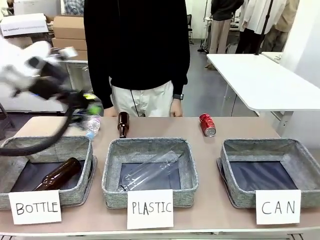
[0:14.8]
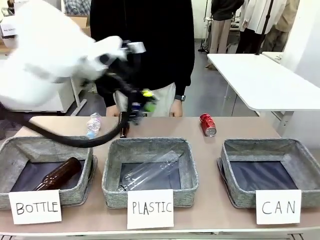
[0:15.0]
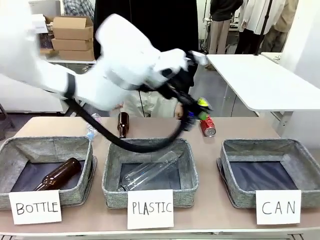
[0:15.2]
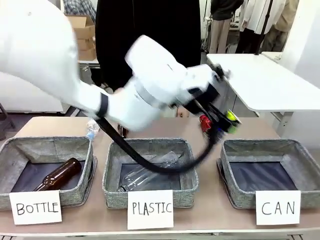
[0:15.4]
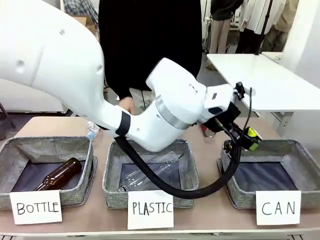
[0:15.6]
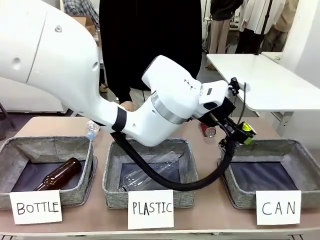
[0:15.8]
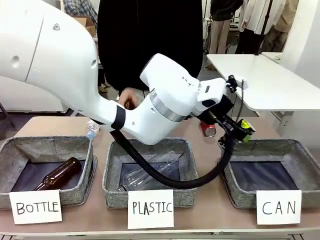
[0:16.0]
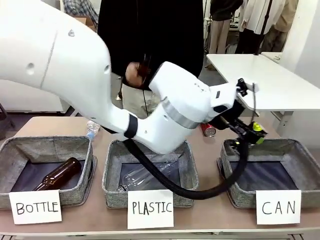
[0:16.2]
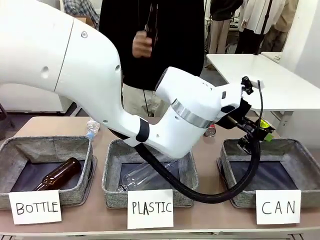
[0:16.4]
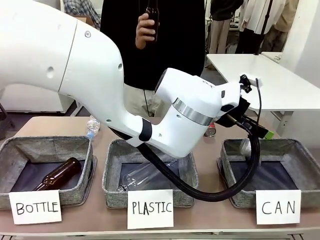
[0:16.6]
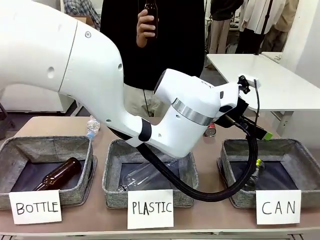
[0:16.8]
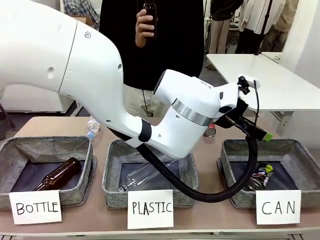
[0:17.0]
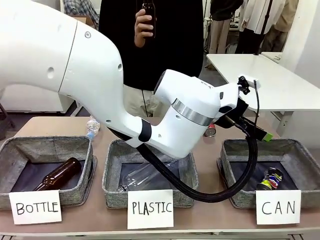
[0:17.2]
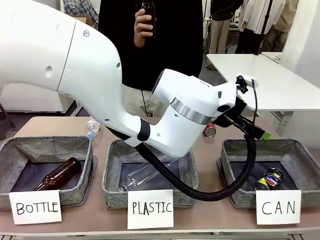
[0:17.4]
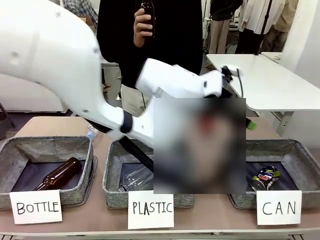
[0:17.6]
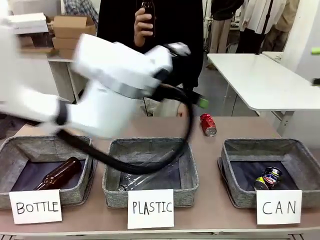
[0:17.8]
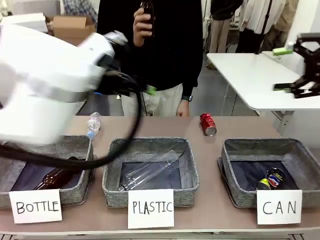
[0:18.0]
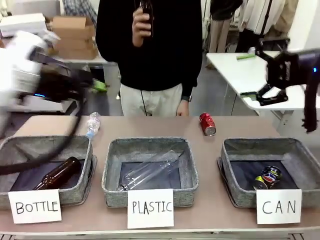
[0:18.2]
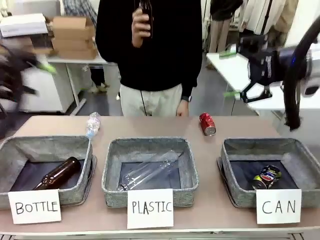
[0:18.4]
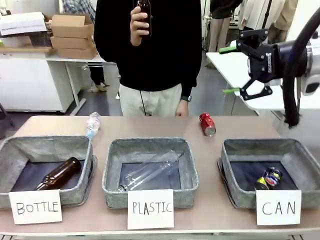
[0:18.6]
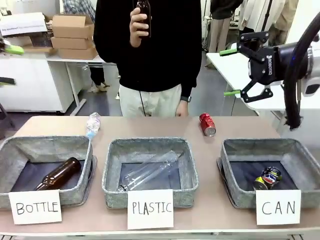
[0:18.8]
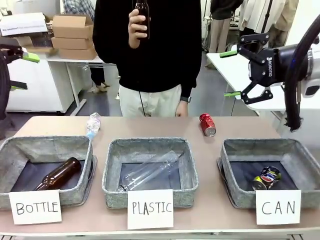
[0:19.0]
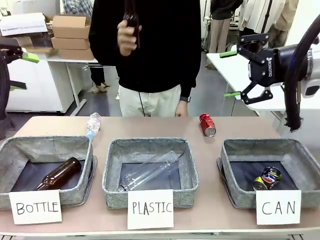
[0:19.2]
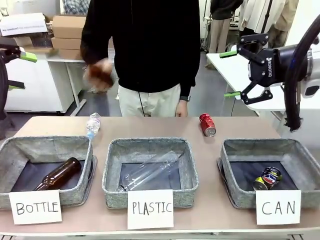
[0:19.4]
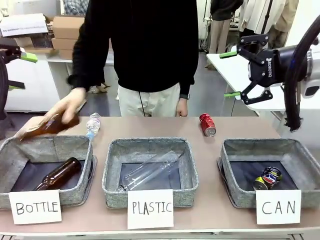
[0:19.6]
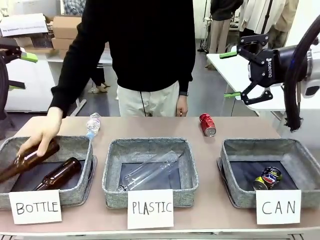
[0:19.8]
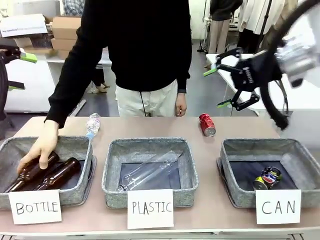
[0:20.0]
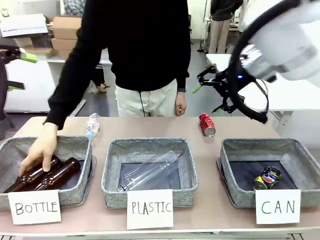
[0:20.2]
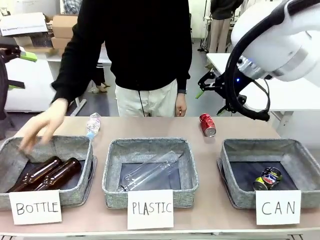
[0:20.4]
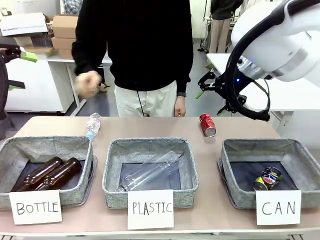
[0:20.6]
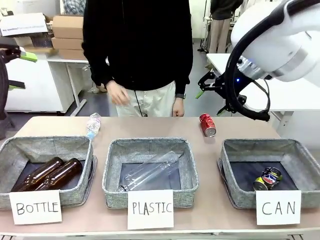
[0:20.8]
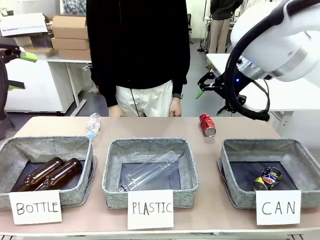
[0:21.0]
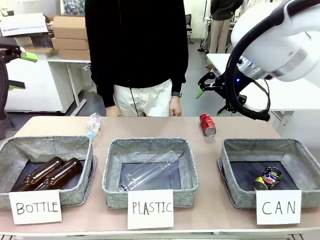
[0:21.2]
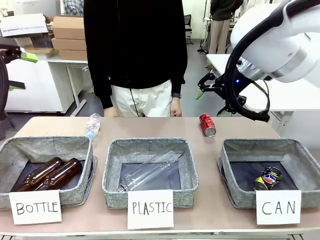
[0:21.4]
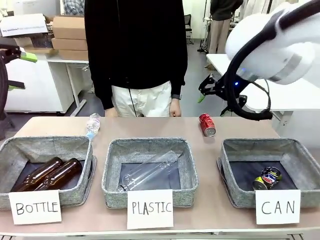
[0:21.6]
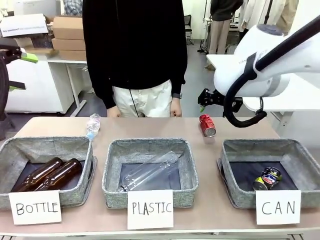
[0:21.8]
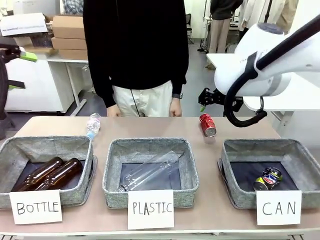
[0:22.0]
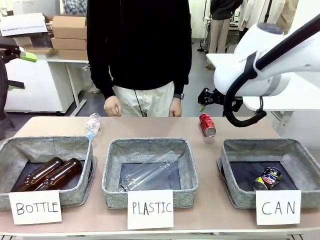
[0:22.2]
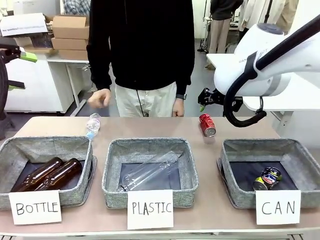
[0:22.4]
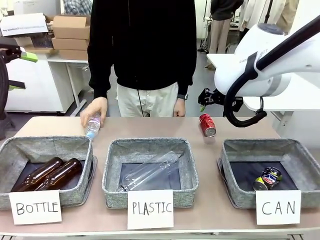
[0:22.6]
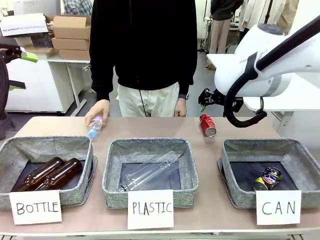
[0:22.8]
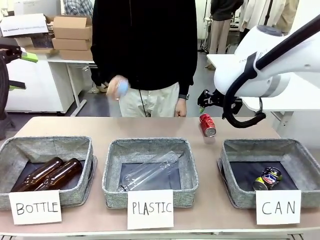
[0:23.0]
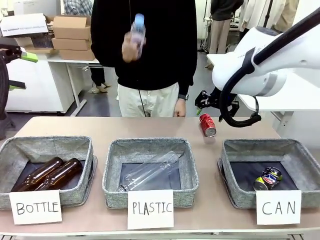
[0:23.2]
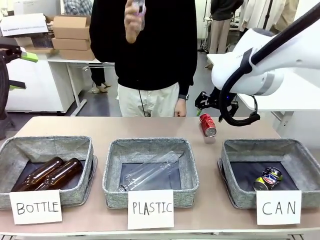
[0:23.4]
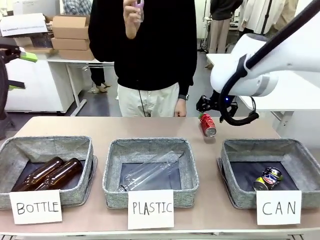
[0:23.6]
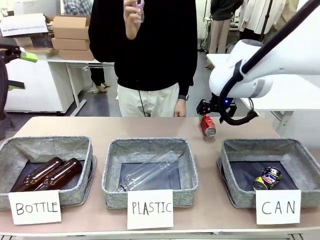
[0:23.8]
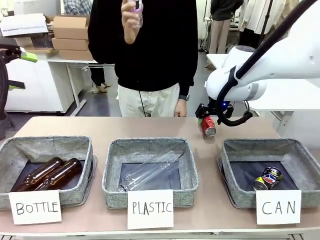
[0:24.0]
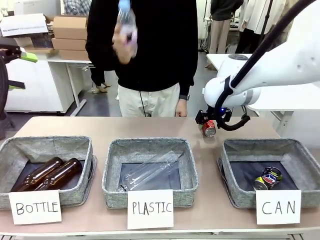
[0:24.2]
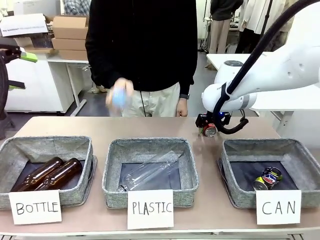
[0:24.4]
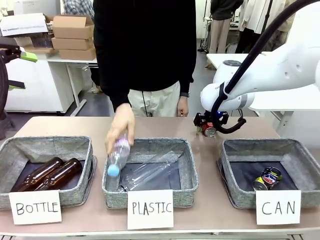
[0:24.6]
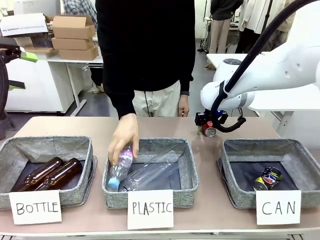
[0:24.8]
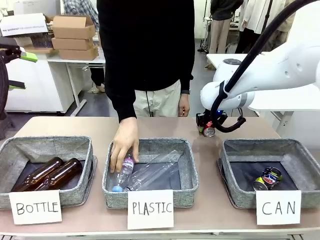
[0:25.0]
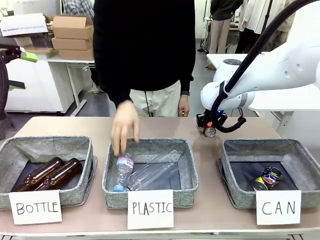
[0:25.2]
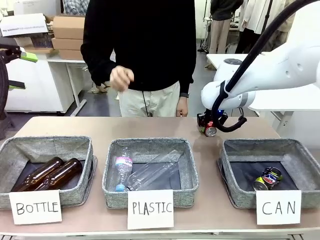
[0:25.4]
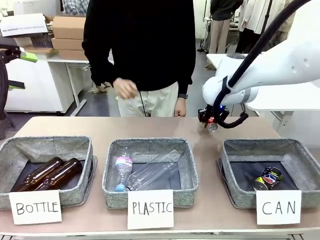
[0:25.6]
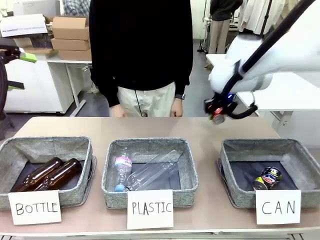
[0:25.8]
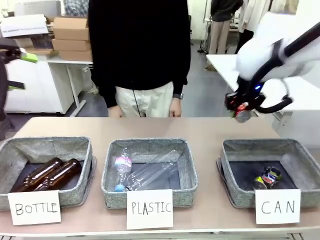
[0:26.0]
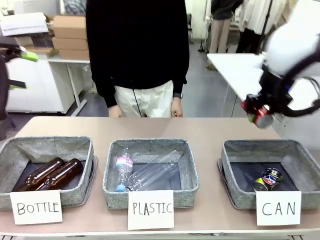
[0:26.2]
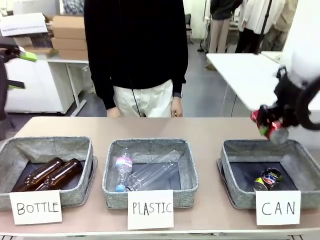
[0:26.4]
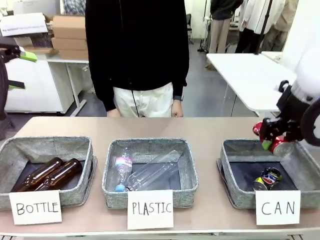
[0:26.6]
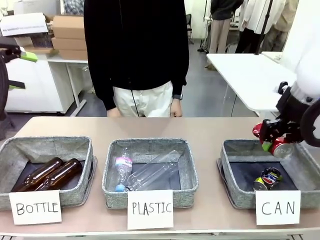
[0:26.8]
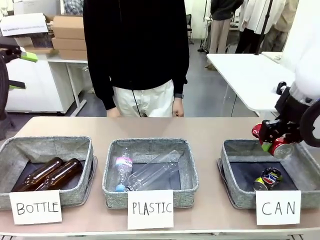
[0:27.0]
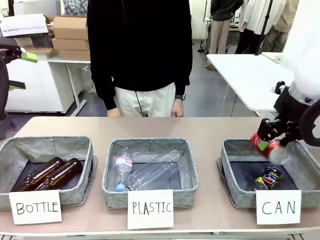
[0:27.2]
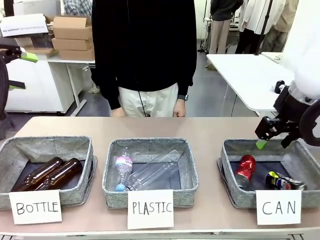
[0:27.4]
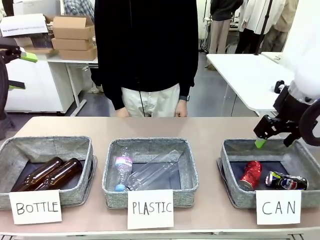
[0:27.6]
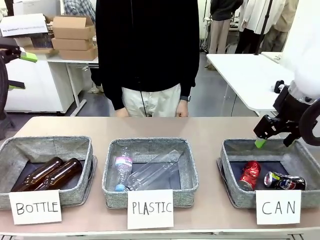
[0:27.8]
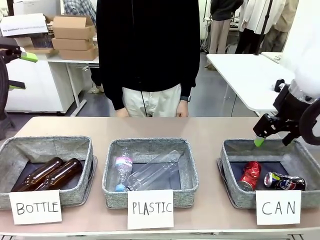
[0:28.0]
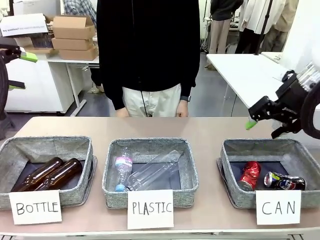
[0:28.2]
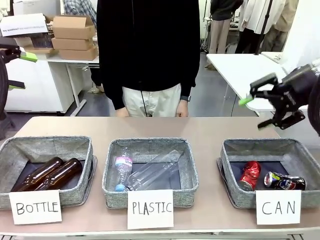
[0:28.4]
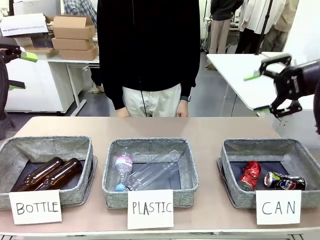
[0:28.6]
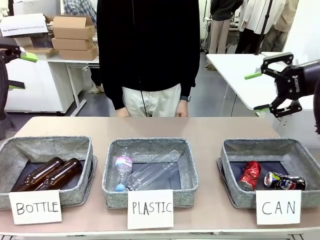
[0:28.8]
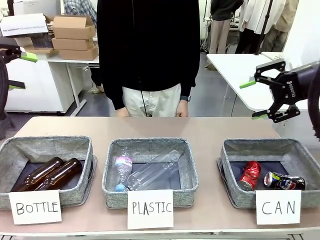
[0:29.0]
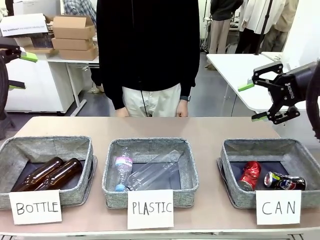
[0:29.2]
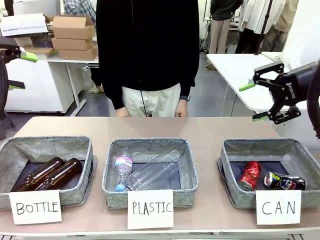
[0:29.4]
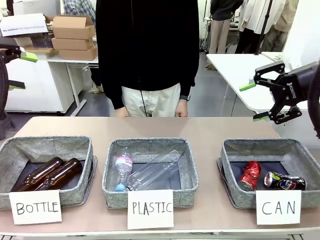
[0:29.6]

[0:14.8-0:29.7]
Task: Sort the can waste into the basket.
Robot: Pick up the can waste from the table and place it in the right Fabric basket.
Person: The human picks up one piece of trash that is not a can and places the trash into the appropriate organizing basket.
